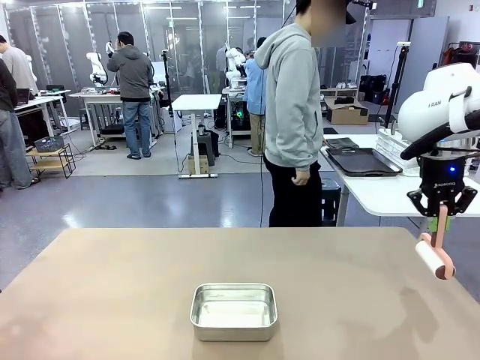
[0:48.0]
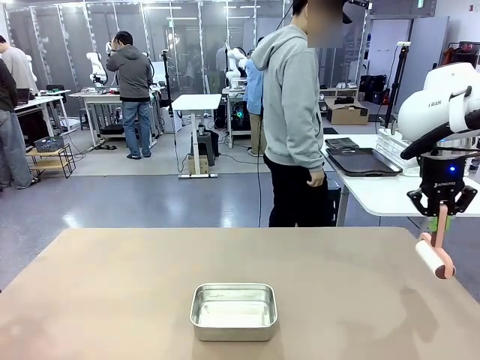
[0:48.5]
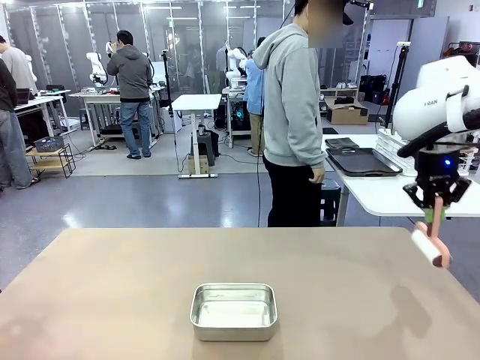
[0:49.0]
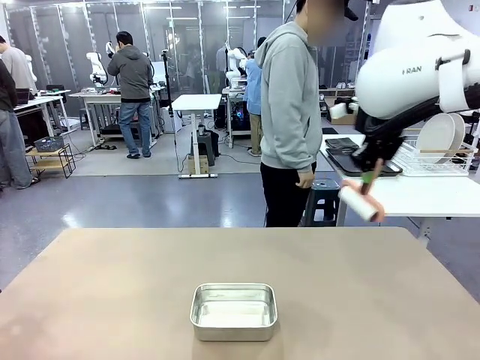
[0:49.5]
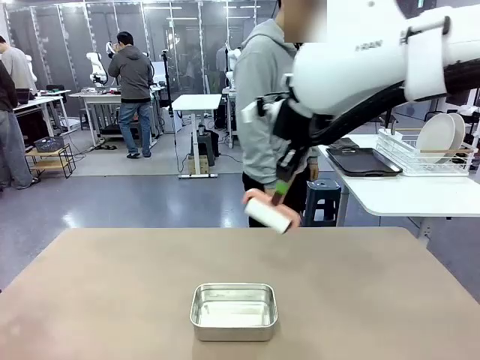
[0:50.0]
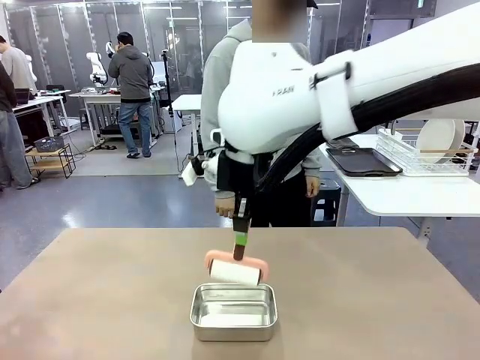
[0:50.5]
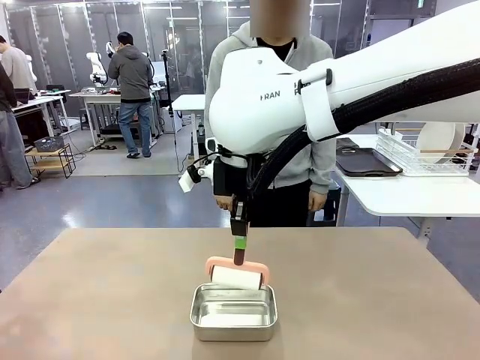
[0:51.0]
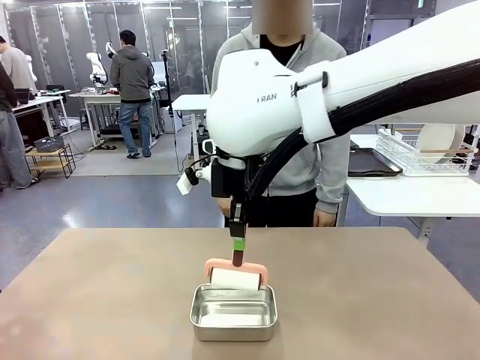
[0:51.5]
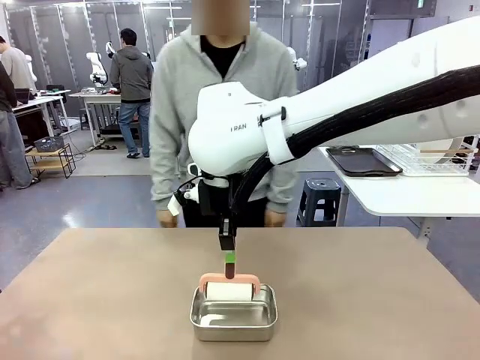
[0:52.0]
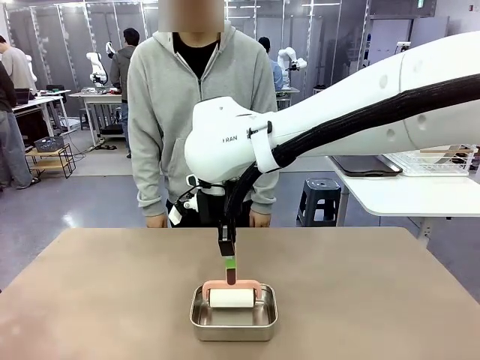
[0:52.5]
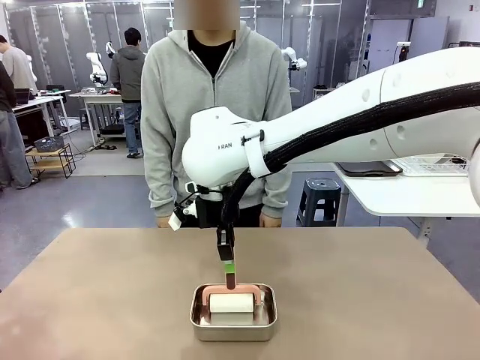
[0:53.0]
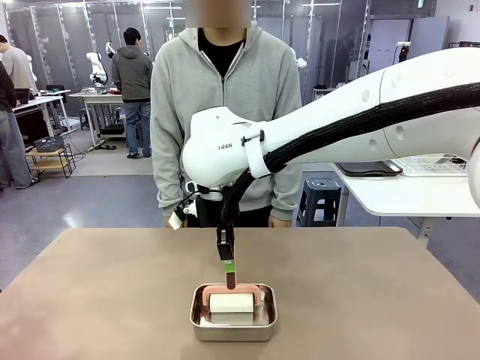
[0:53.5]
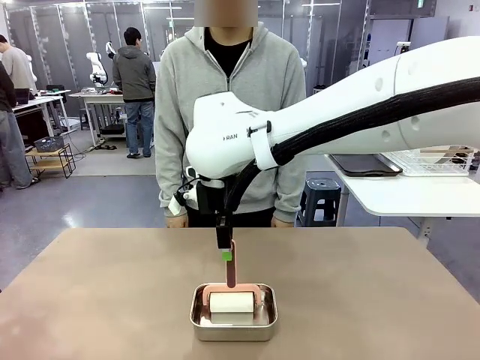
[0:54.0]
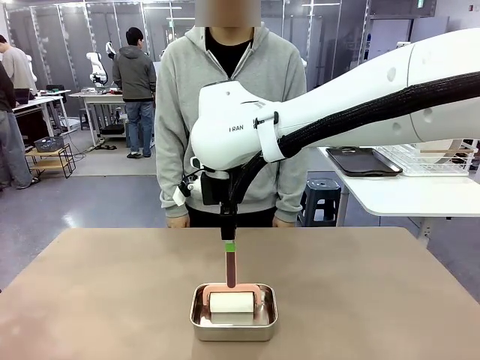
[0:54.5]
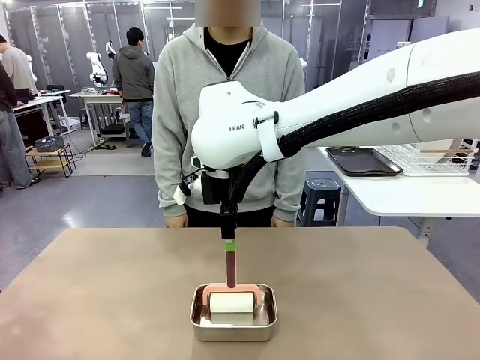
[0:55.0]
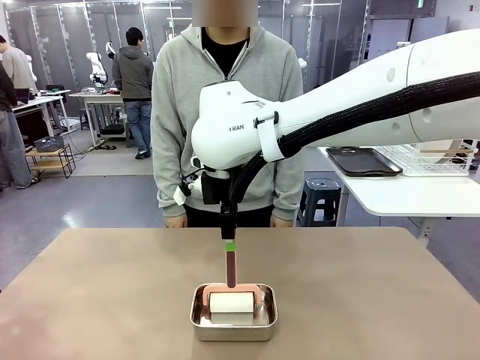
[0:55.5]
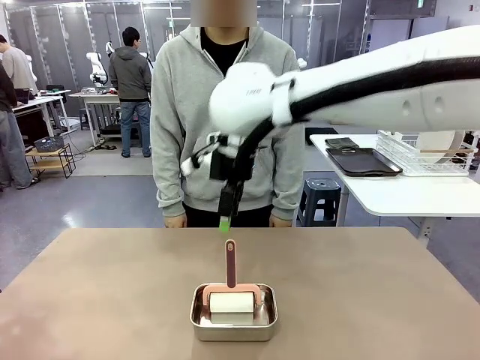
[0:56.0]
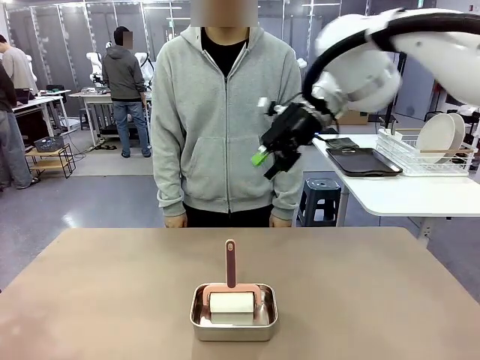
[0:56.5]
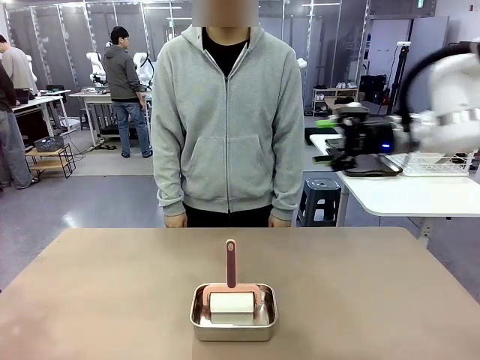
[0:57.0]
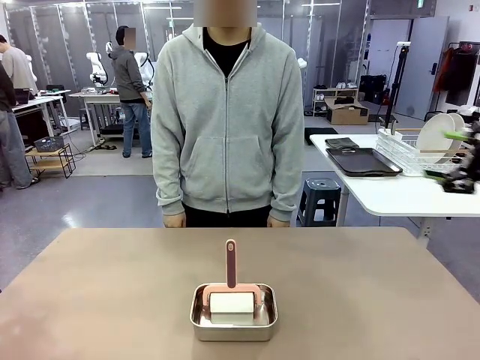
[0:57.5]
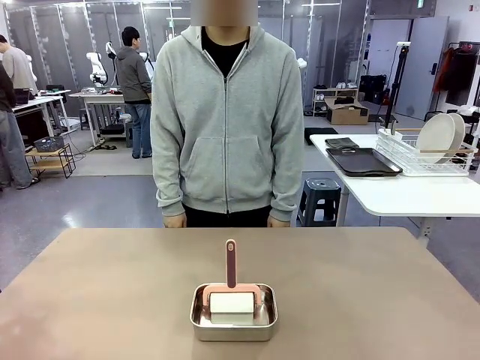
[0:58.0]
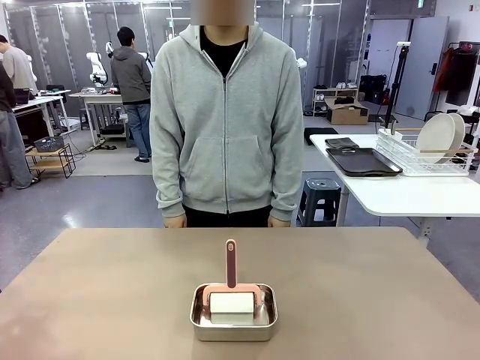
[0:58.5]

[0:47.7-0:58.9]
Robot: Place the Lint Roller back on top of the Airtight Container.
